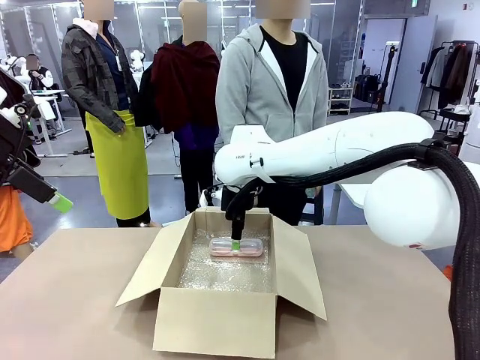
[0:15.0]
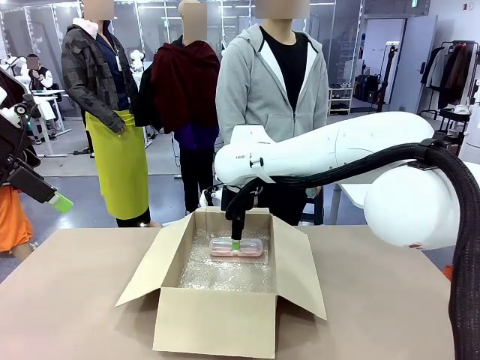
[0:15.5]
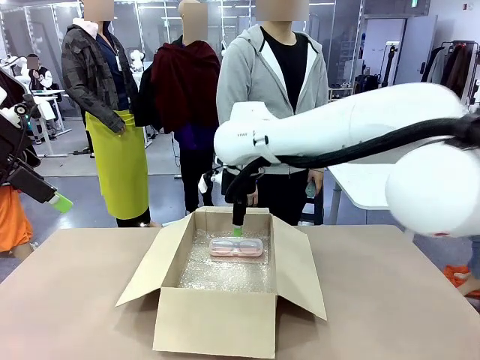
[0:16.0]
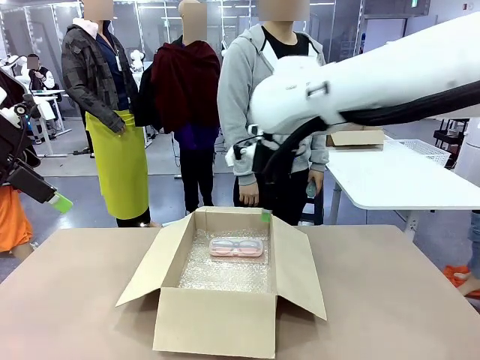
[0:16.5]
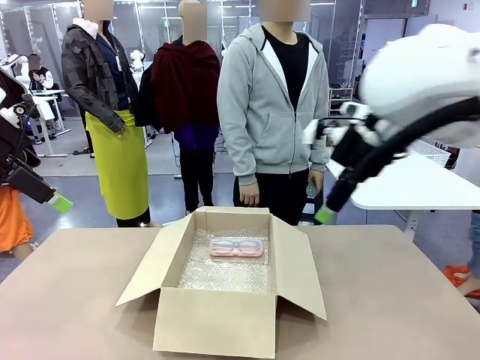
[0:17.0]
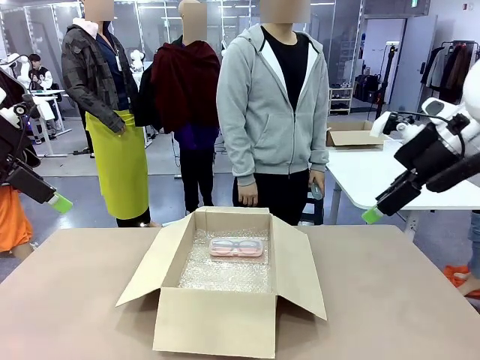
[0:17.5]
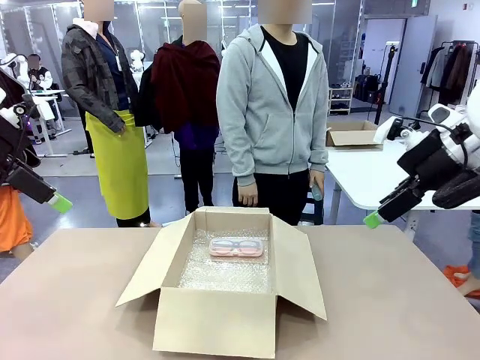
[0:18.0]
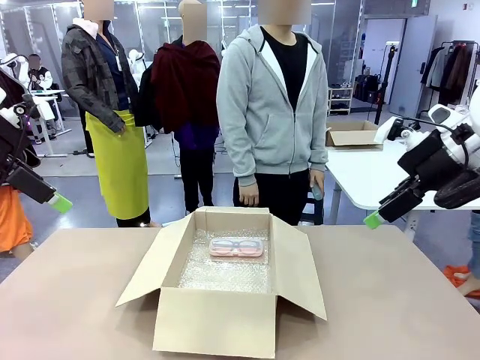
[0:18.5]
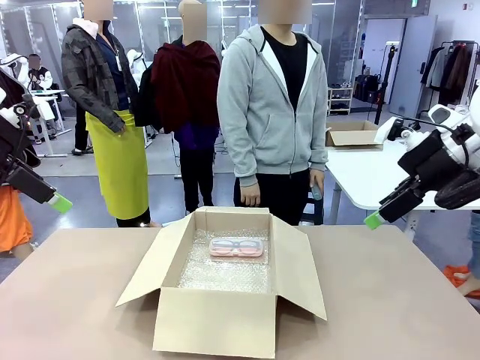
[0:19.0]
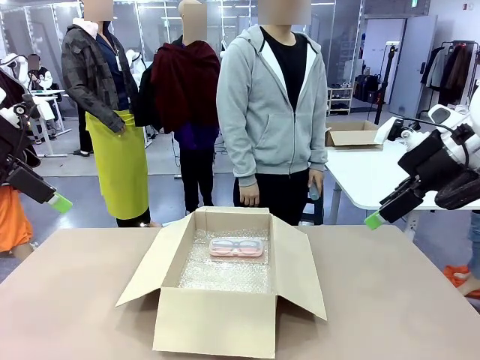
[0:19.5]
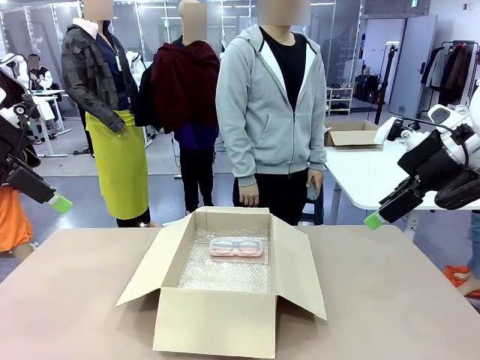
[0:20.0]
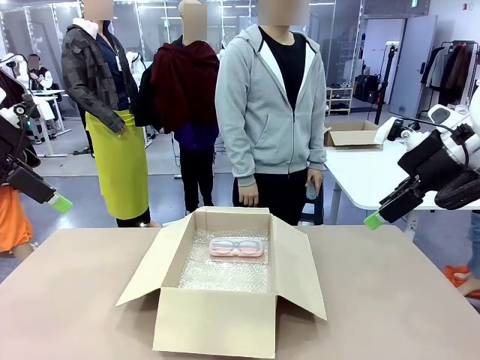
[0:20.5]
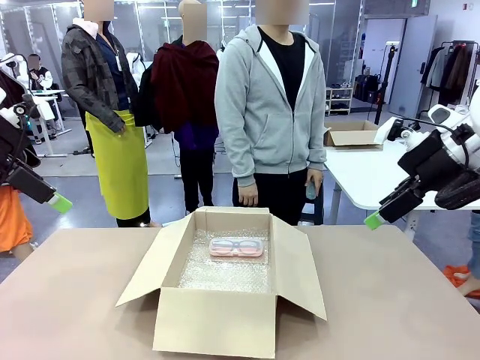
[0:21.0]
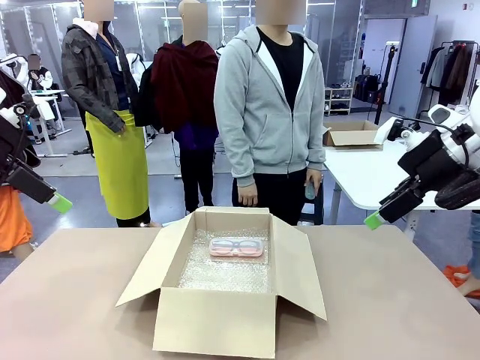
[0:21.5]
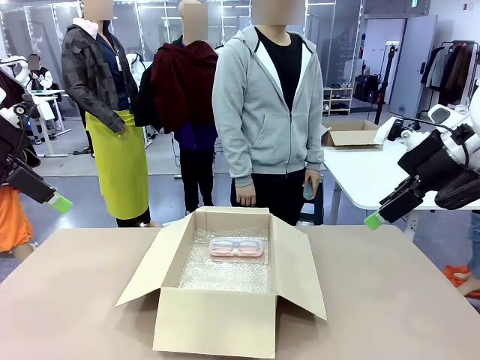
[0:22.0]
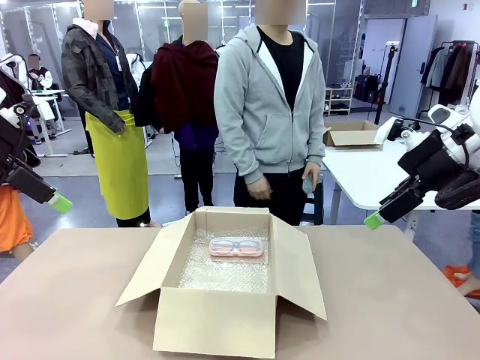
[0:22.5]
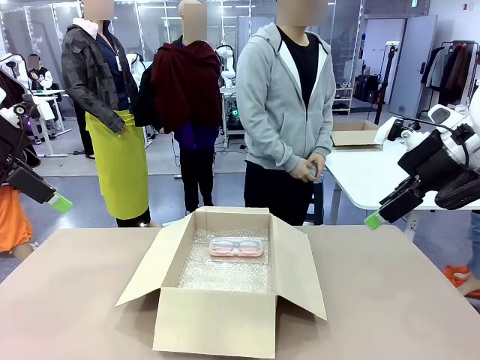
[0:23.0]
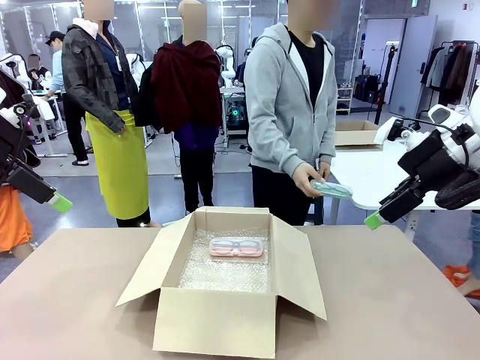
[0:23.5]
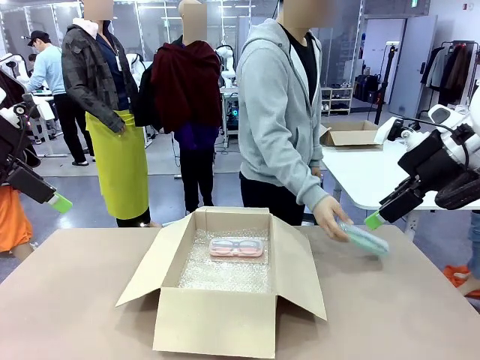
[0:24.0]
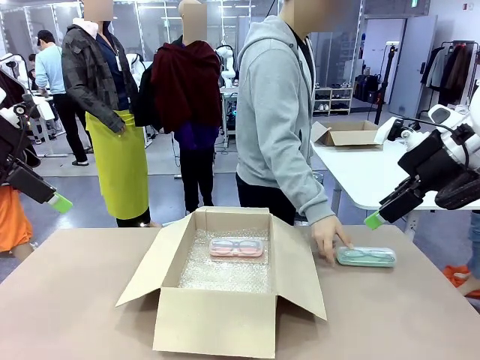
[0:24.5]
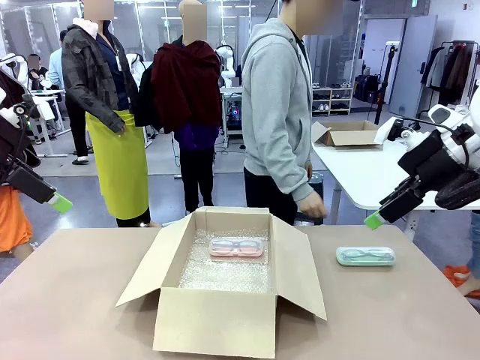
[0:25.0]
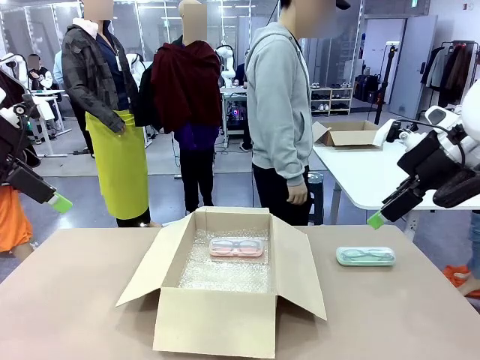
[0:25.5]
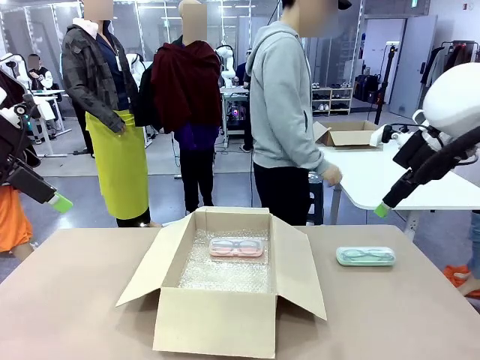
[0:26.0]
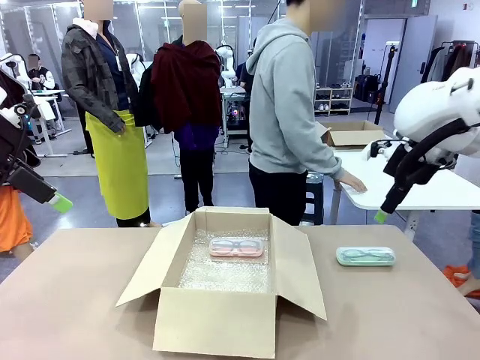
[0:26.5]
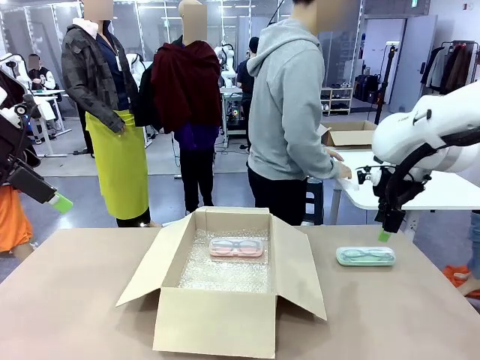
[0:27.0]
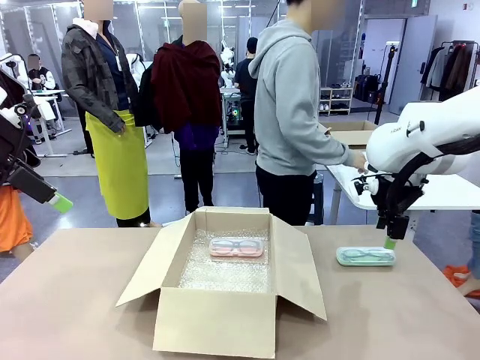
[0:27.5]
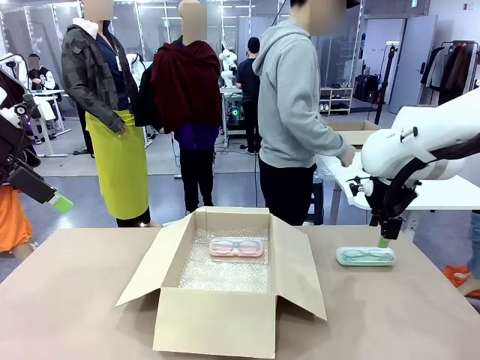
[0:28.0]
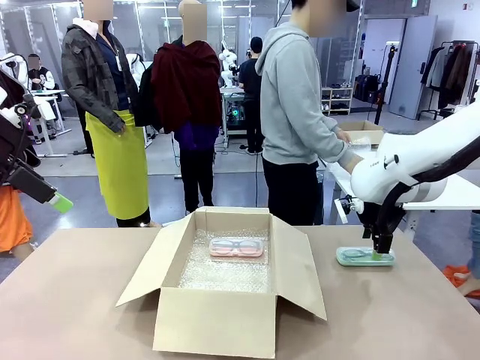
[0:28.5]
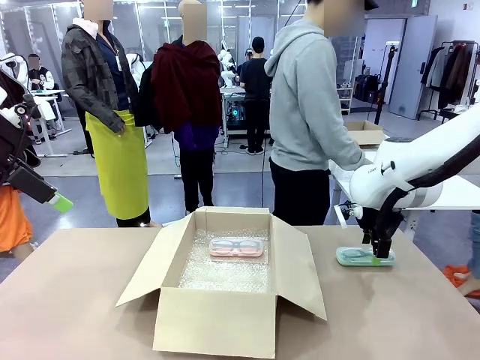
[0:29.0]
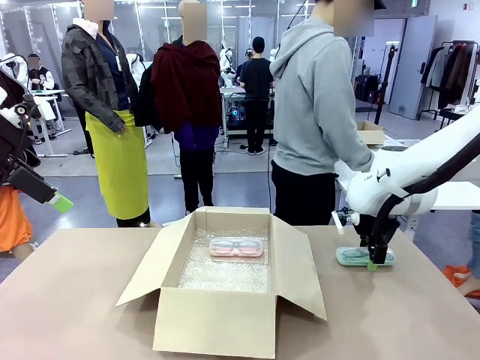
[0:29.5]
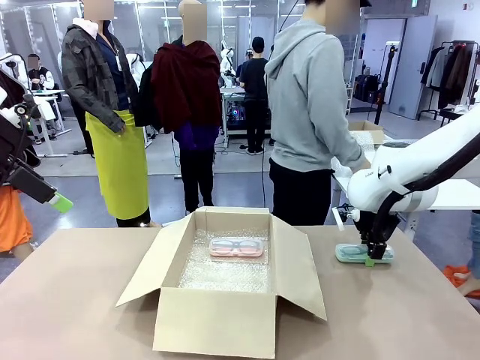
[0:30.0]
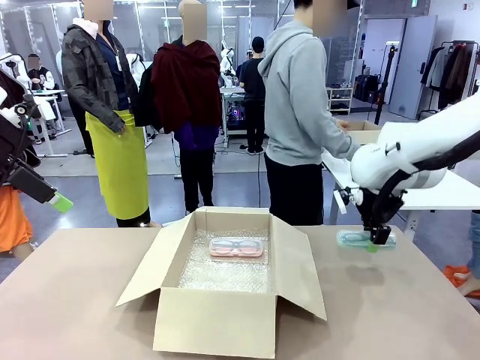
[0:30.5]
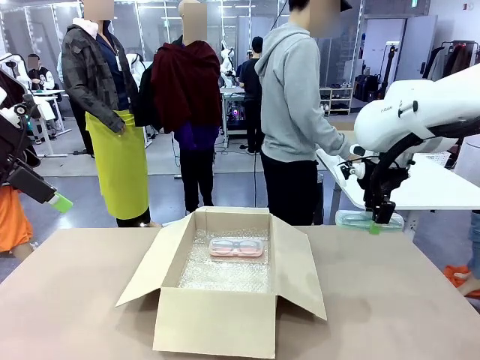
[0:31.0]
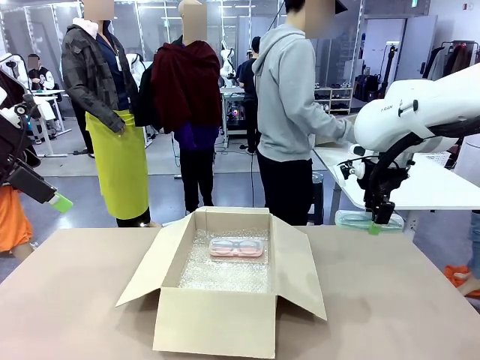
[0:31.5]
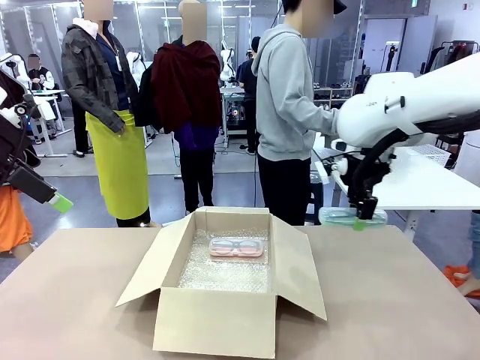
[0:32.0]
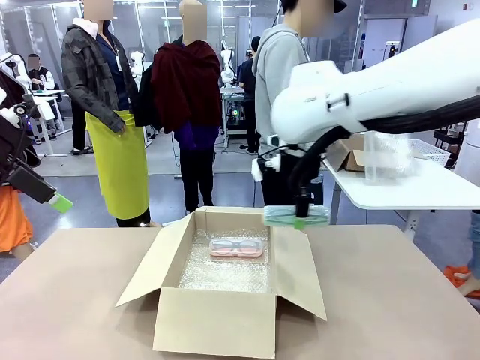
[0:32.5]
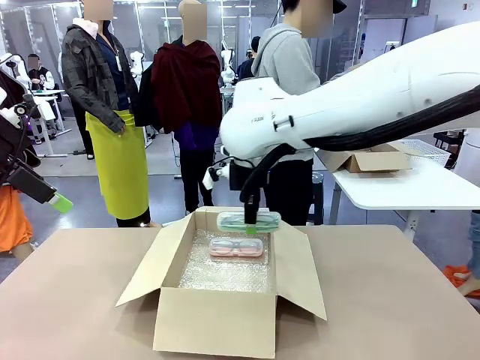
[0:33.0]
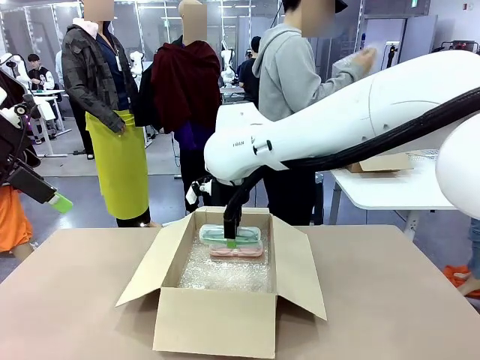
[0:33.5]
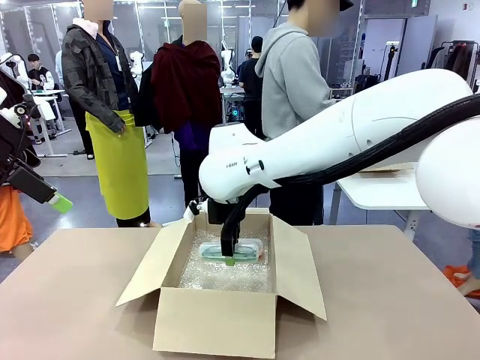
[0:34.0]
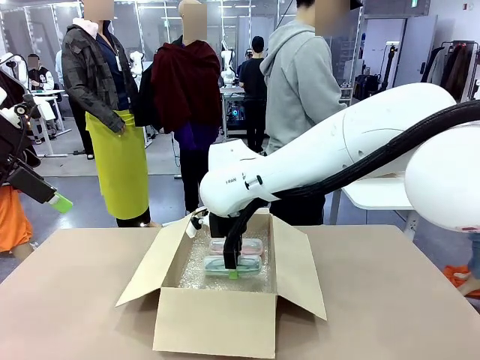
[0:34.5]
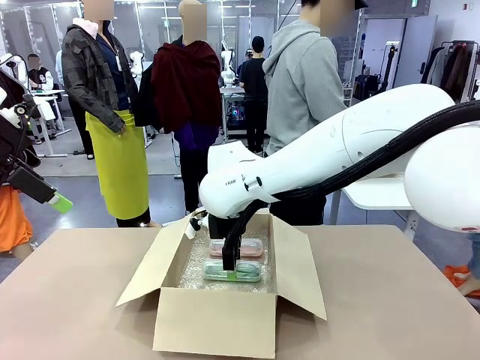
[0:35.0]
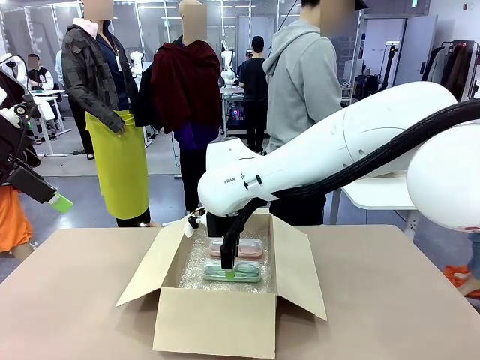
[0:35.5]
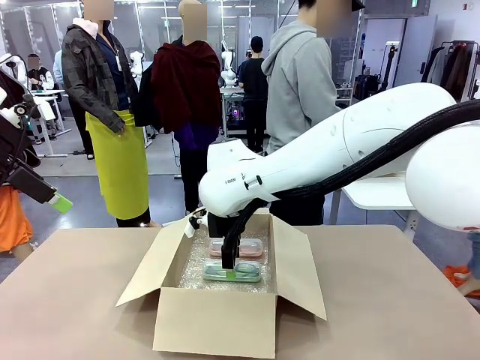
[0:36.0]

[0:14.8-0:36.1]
Task: Pack the glasses set securely to prepare it for shipping.
Robot: Put the Glasses case from the right side of the table into the Package Box.
Person: Position the Glasses case on the left side of the robot's table.
